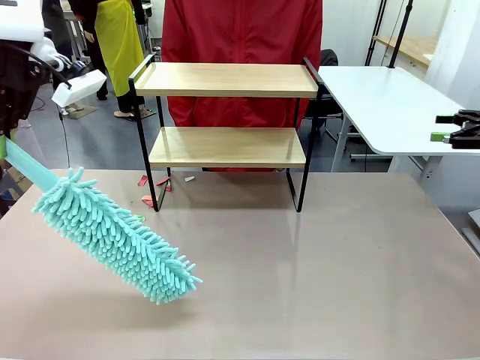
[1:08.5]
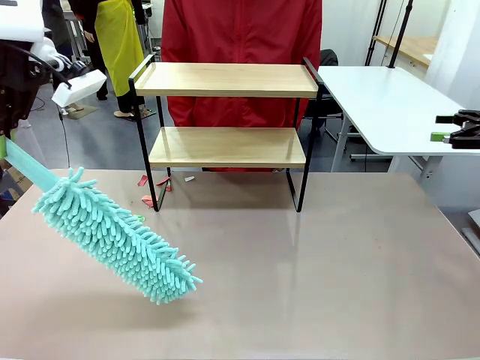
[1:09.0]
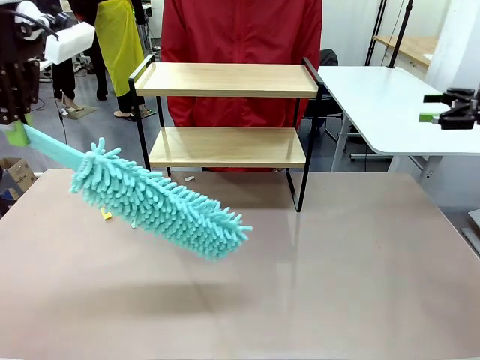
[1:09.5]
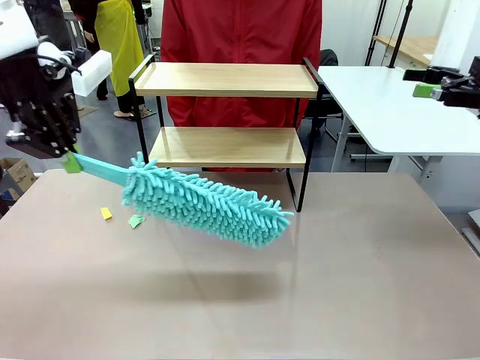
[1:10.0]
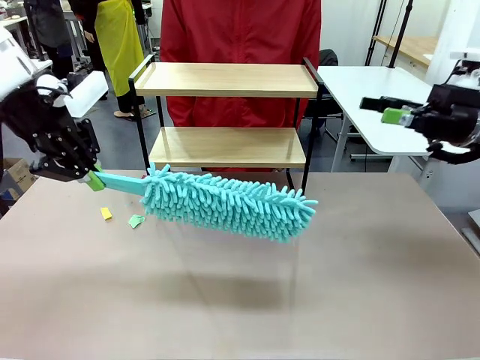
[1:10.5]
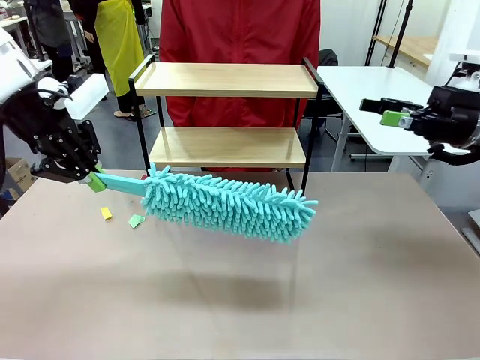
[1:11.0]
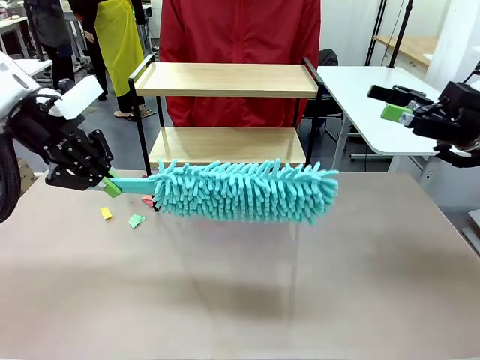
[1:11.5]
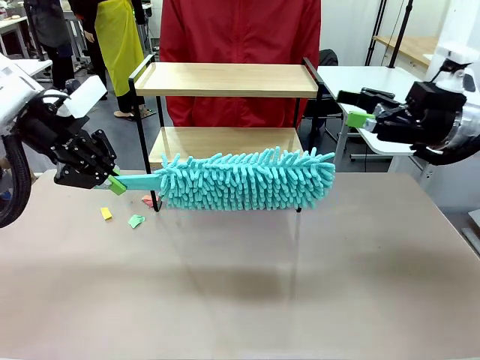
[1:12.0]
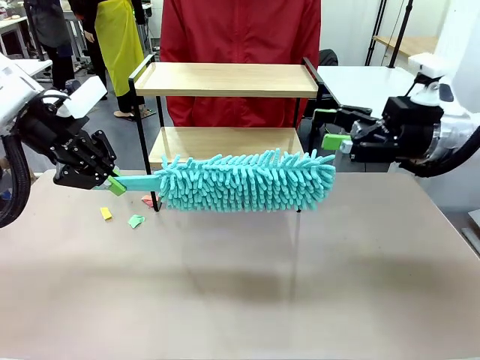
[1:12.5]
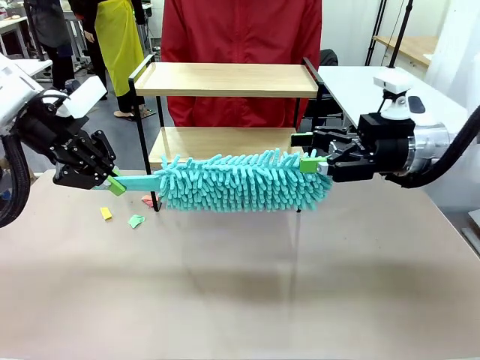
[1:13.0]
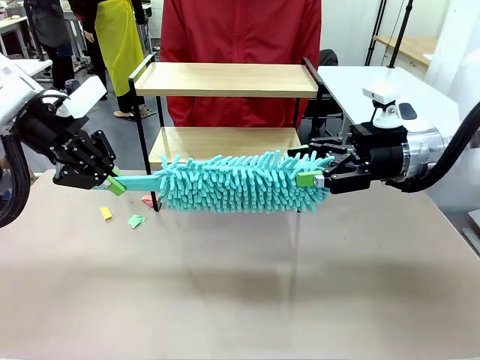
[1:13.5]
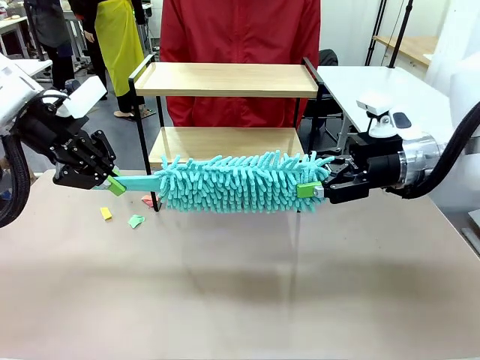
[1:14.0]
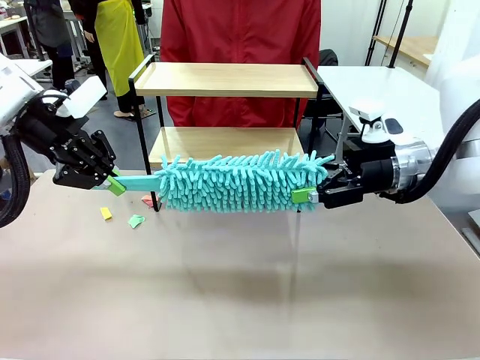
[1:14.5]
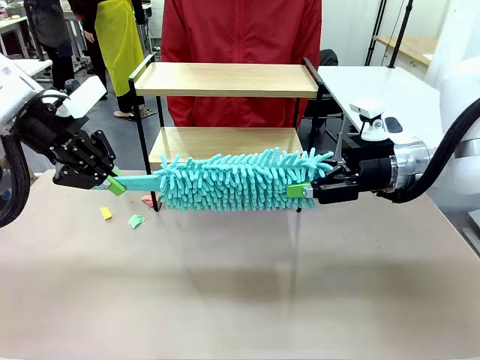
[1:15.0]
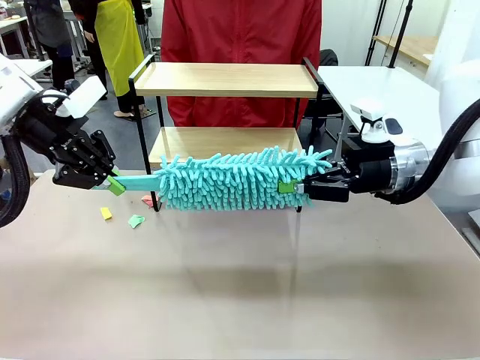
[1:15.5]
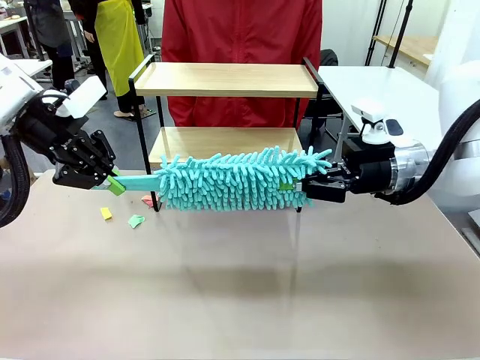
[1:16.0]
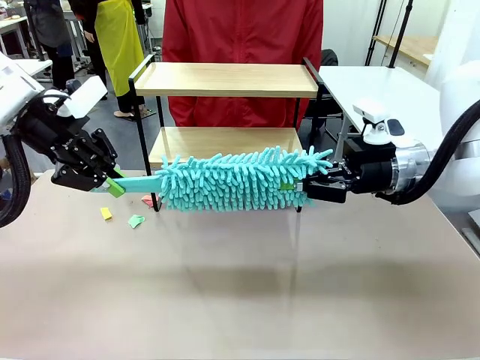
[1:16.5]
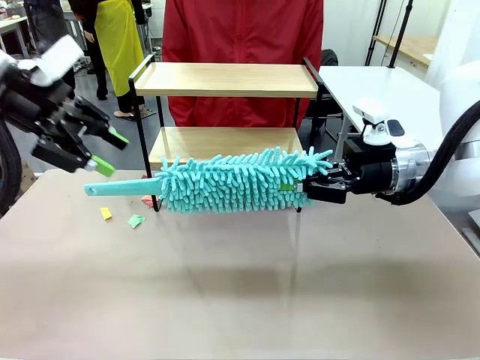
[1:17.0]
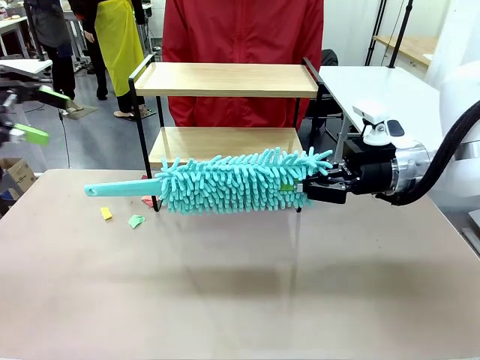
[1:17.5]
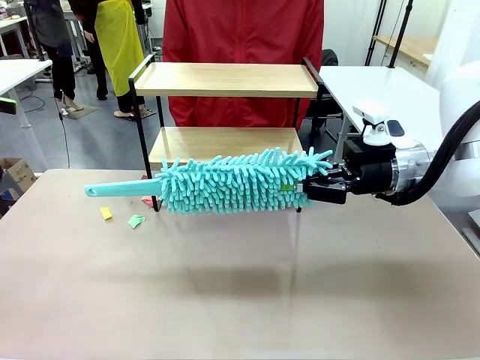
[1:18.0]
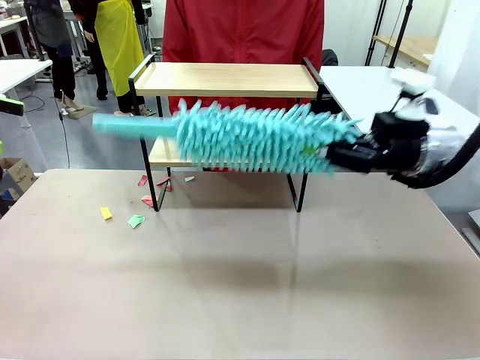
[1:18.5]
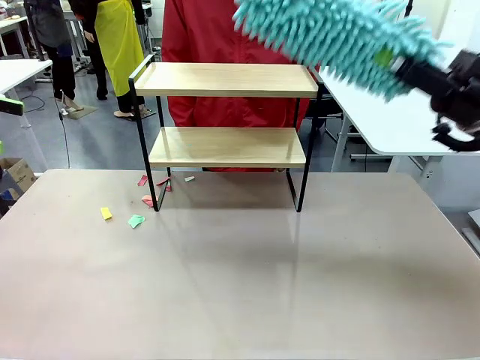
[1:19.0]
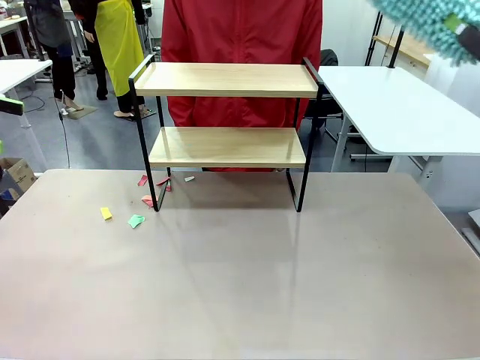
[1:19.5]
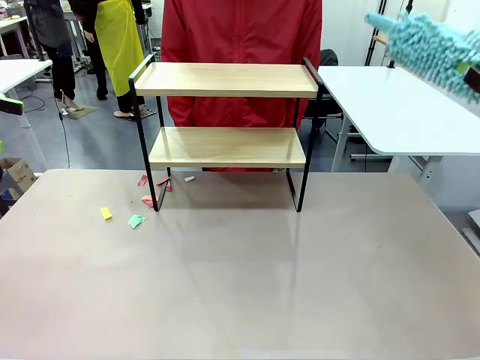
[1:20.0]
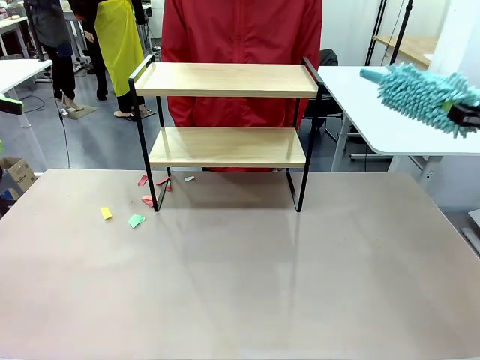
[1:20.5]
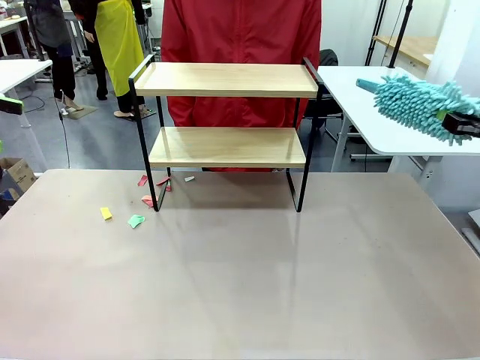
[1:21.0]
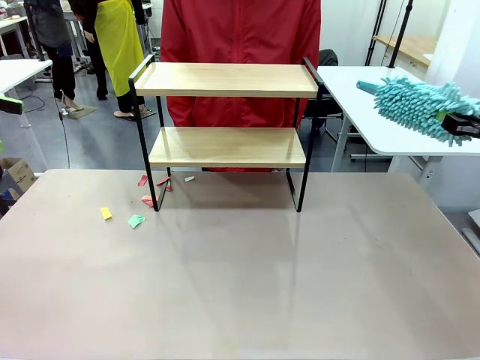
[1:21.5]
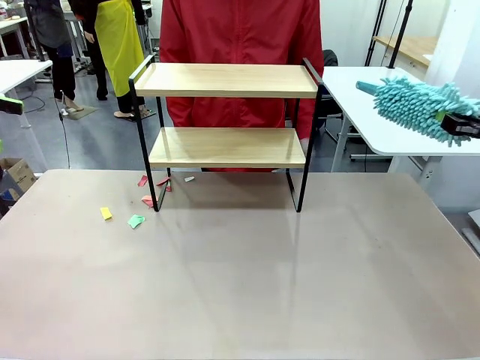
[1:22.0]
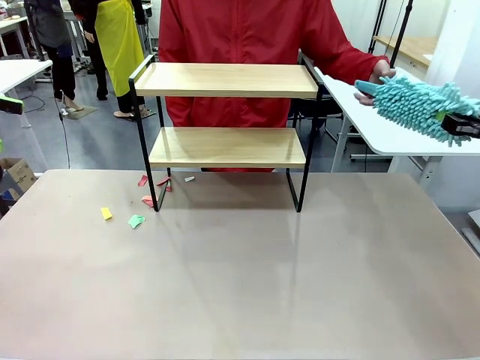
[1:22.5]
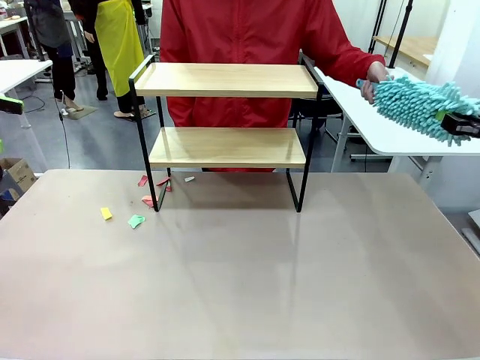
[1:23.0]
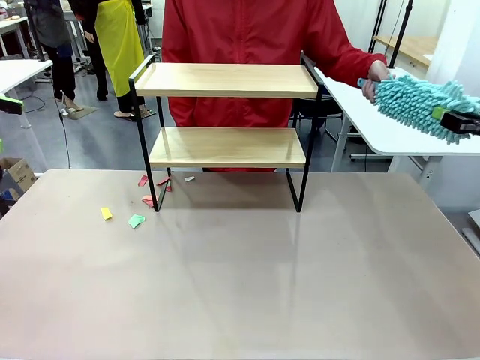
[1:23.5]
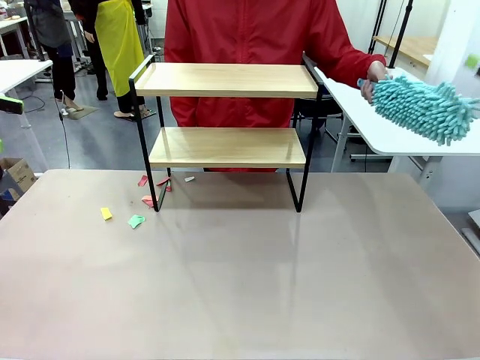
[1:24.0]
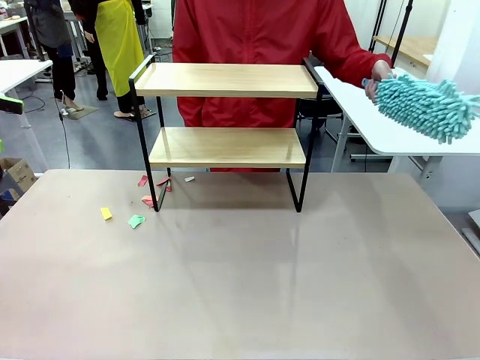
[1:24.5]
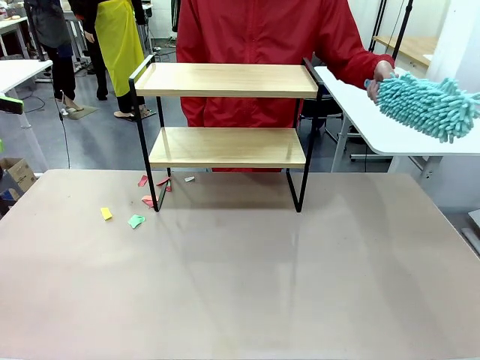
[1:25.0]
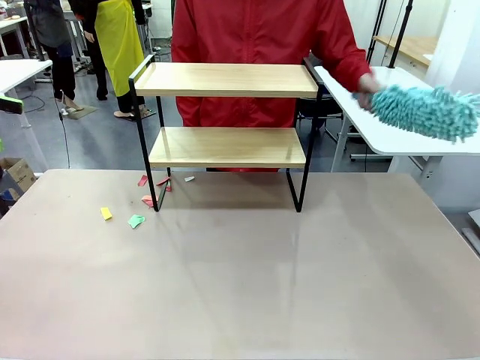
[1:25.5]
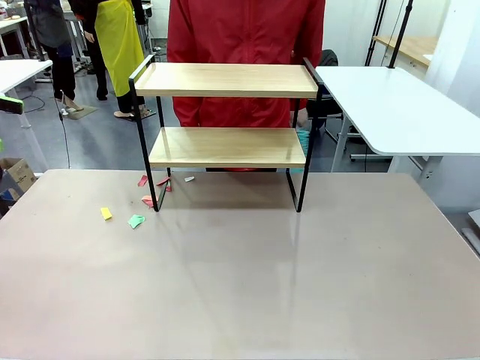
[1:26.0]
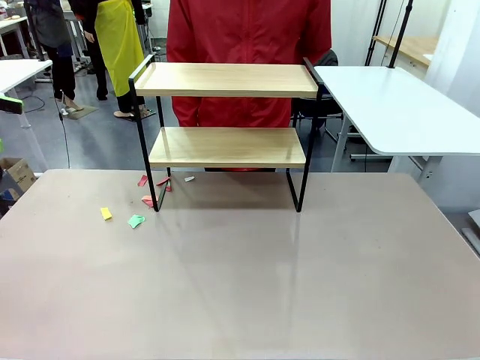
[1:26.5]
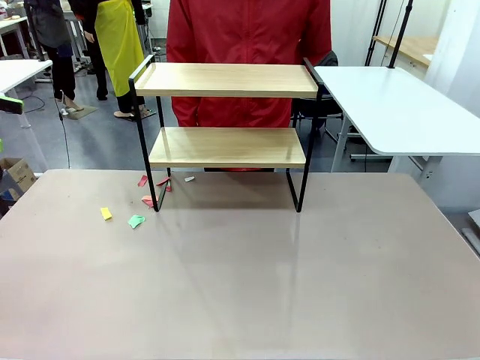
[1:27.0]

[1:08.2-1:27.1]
Task: Clean the shelf.
Robot: Hand the Duster back to the human.
Person: Receive the Duster from the robot.

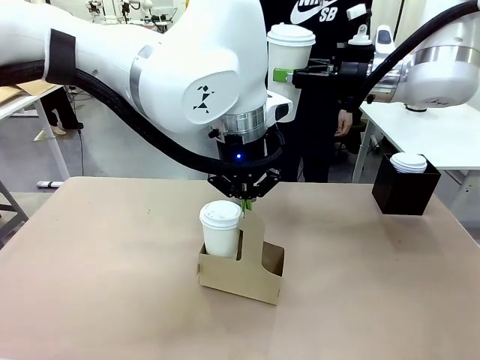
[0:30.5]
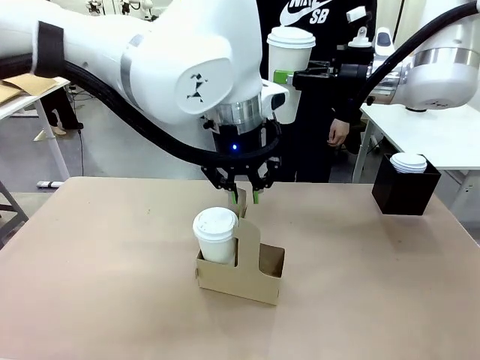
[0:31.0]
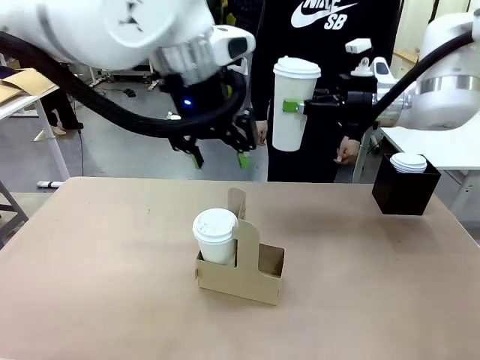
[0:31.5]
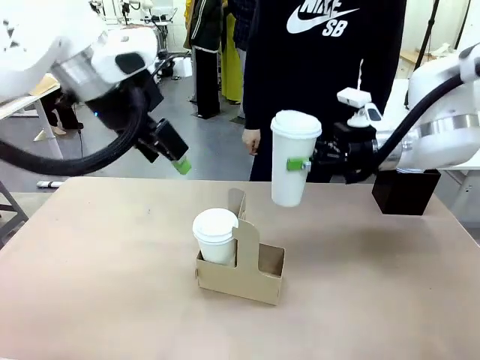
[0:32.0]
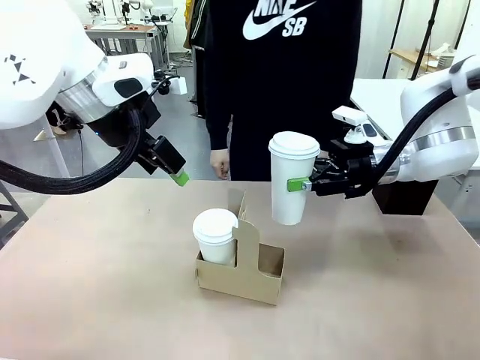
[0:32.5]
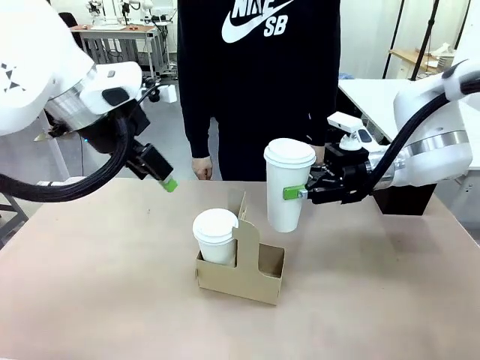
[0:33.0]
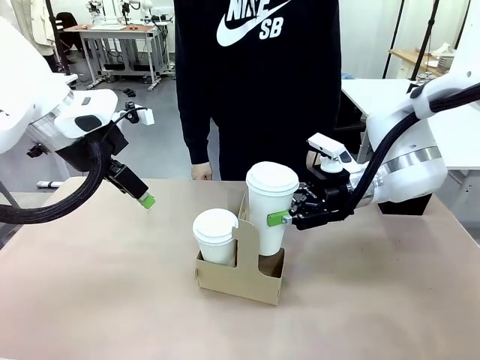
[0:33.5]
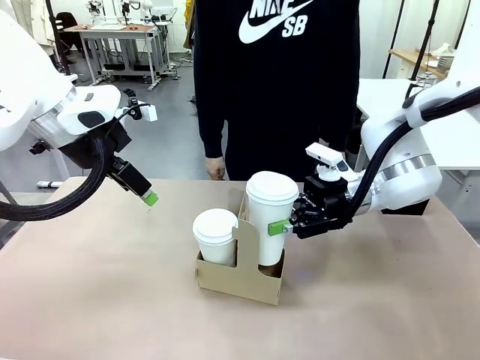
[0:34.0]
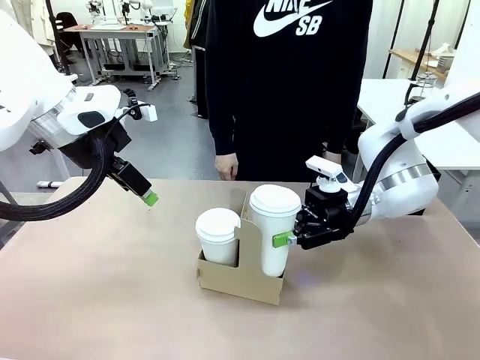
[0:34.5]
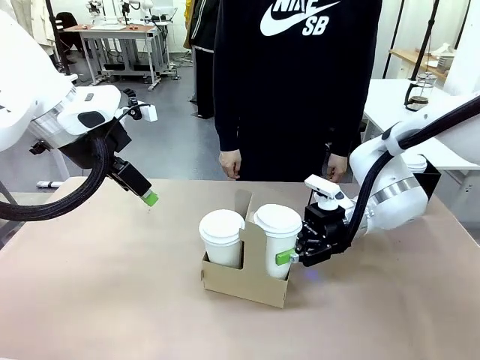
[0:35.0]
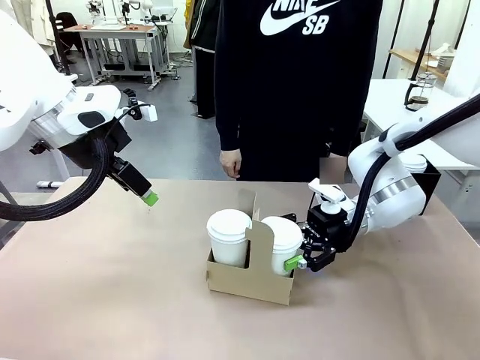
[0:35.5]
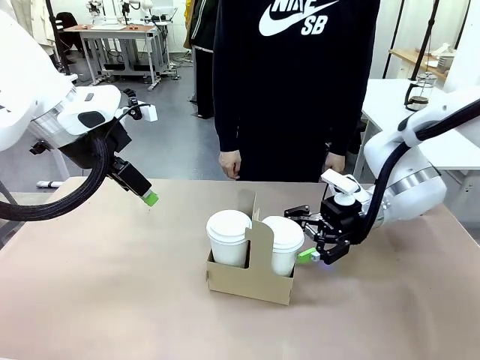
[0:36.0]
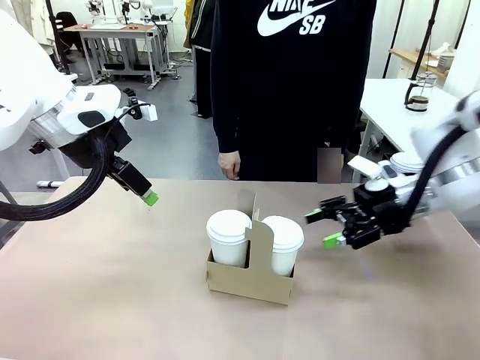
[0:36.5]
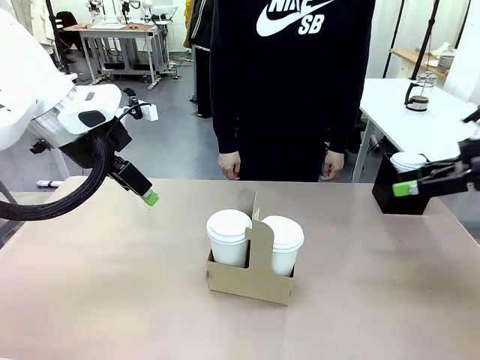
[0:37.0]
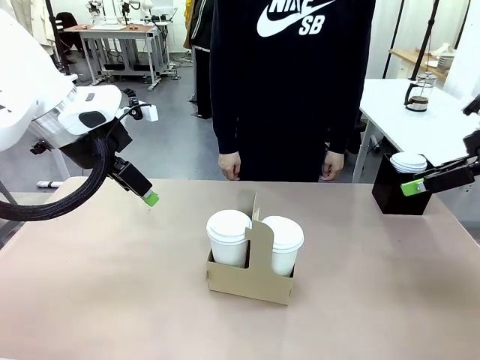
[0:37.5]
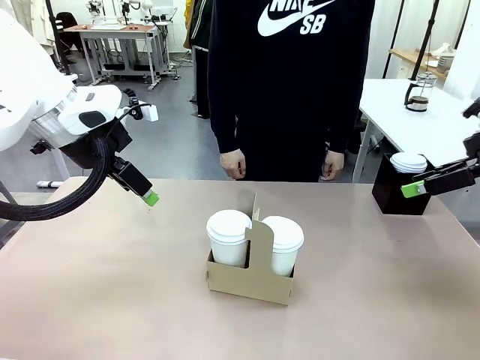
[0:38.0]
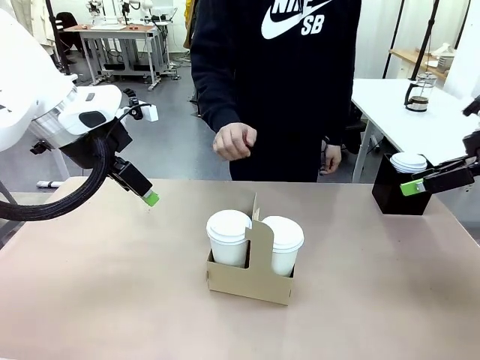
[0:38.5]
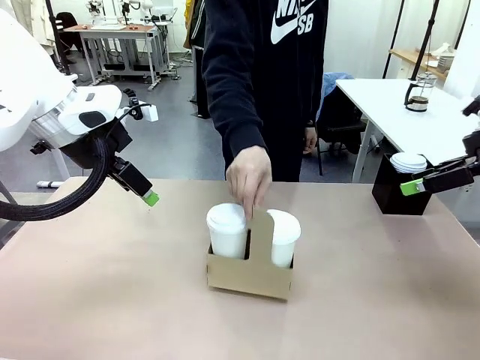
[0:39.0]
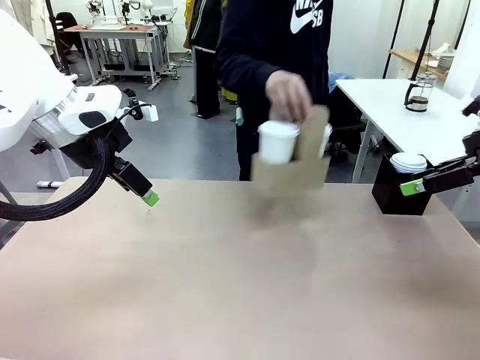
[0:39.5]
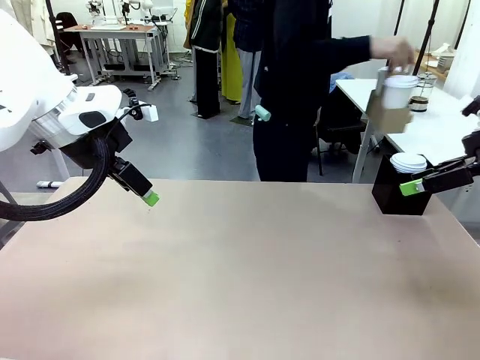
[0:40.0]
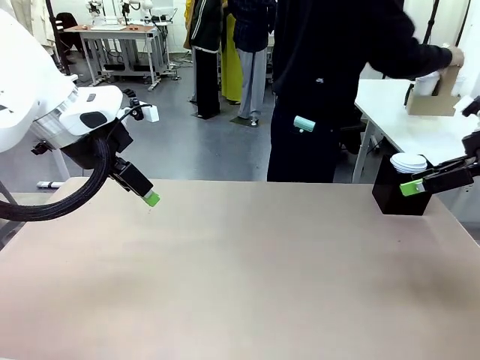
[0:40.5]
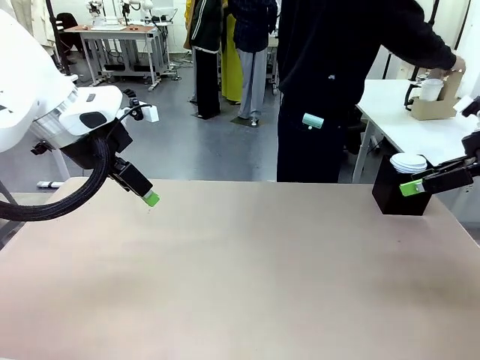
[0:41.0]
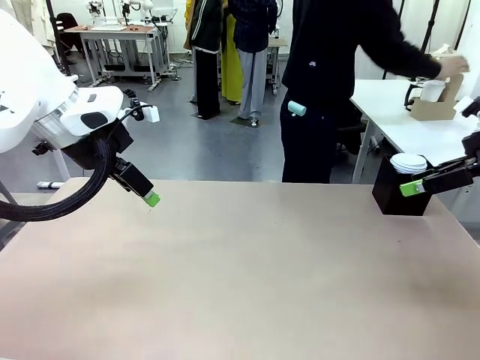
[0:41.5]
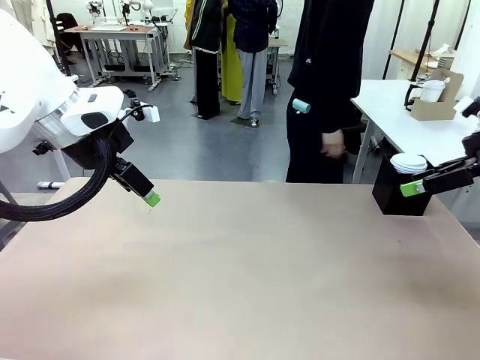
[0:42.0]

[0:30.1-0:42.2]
Task: Pour a drink into a cup and package it in a carrier.
Robot: Insert the held 600 ml Paper Cup into the Cup Carrier.
Person: Place the Cup Carrier to the middle of Human table.
